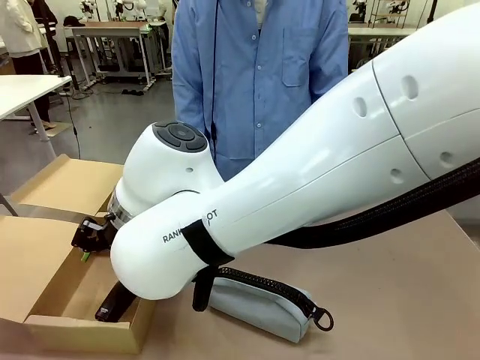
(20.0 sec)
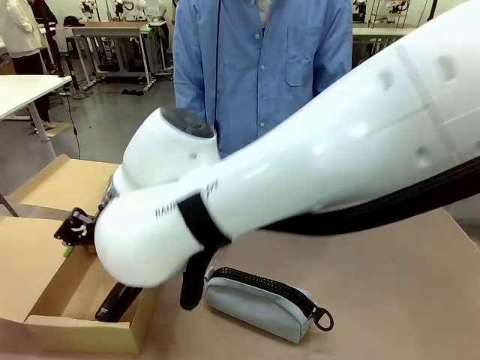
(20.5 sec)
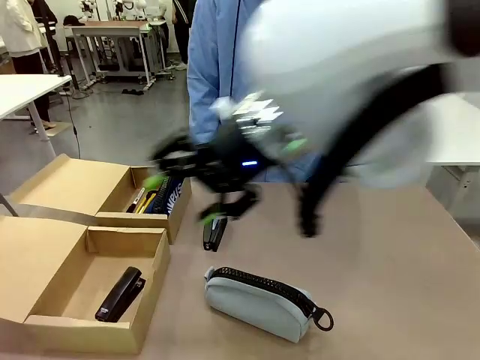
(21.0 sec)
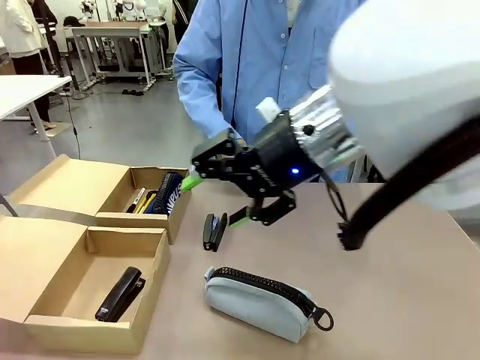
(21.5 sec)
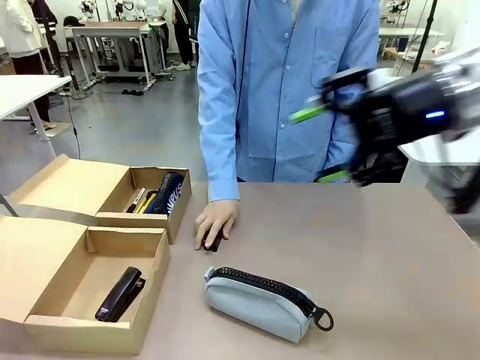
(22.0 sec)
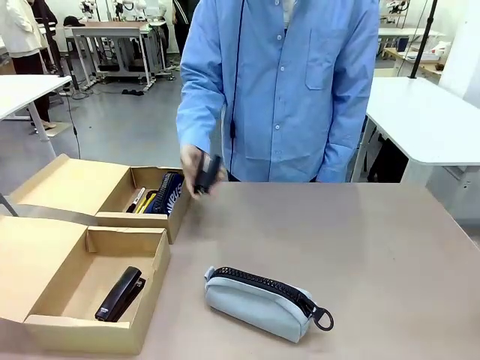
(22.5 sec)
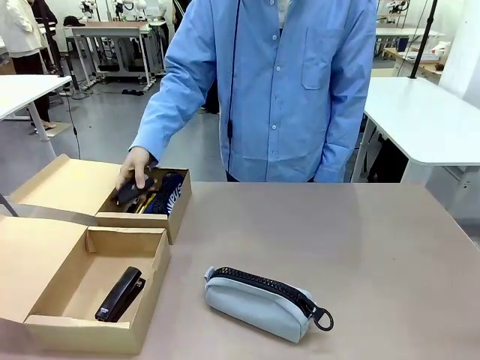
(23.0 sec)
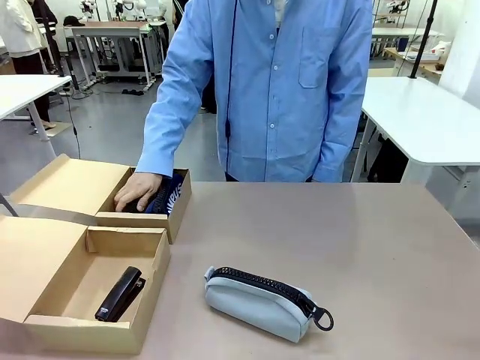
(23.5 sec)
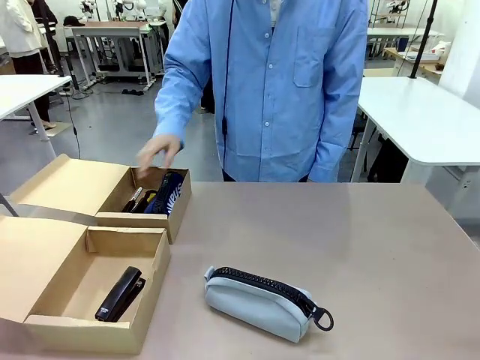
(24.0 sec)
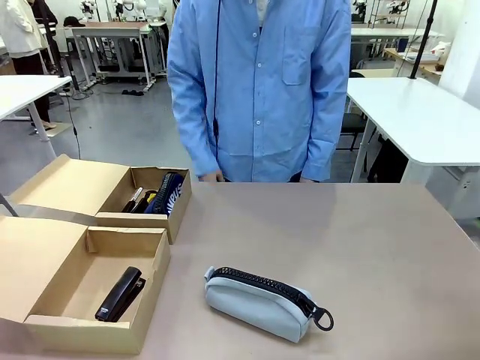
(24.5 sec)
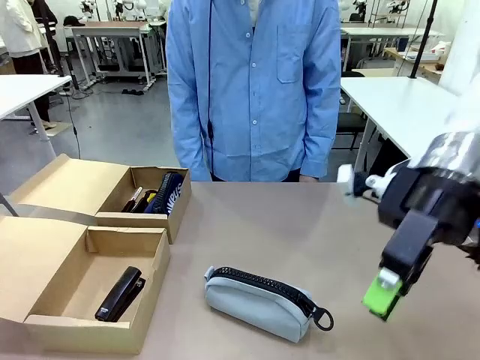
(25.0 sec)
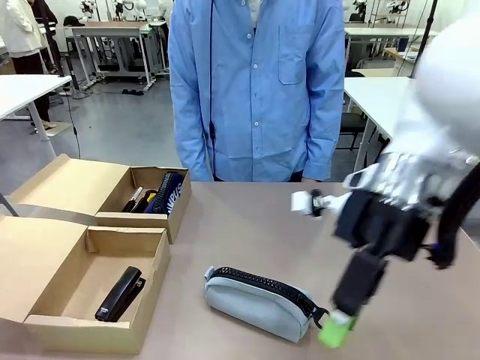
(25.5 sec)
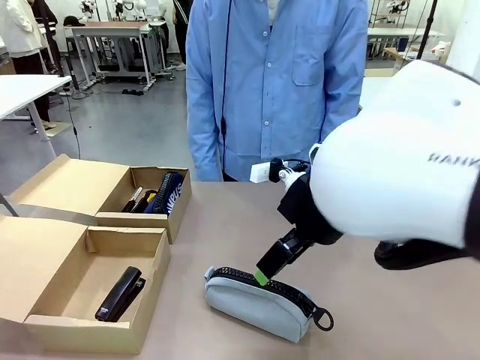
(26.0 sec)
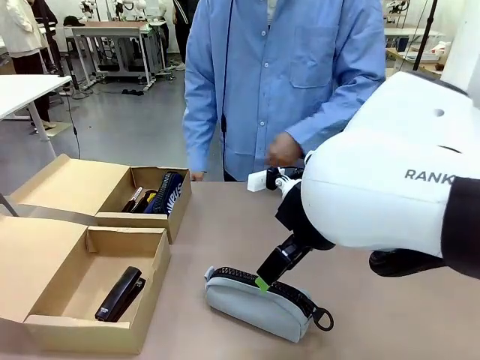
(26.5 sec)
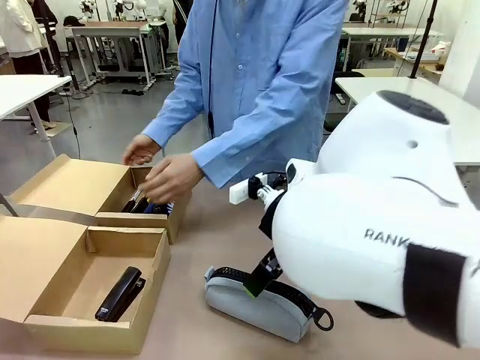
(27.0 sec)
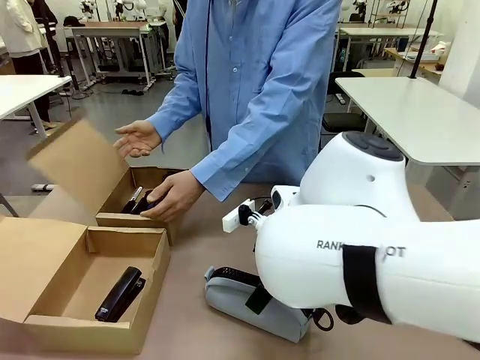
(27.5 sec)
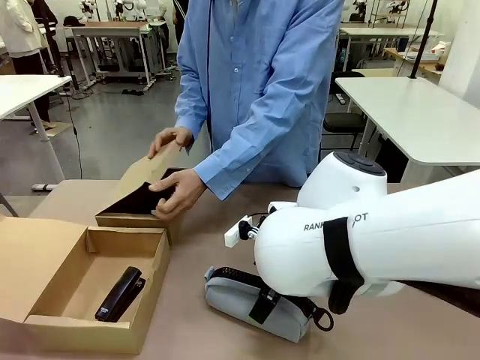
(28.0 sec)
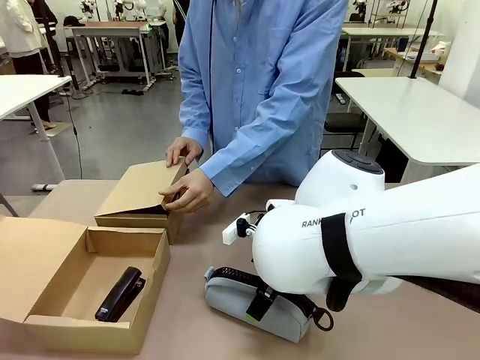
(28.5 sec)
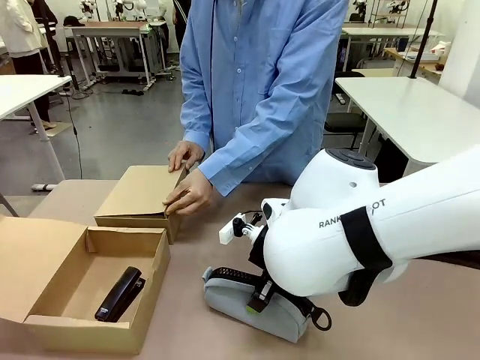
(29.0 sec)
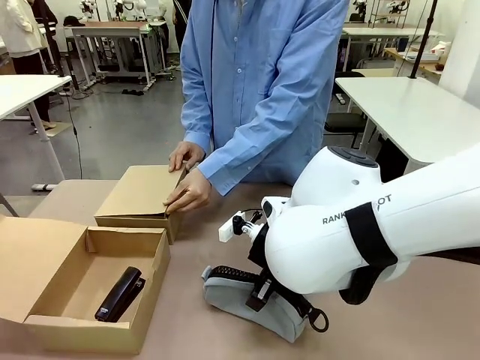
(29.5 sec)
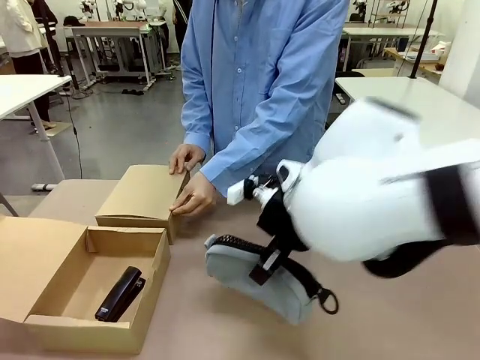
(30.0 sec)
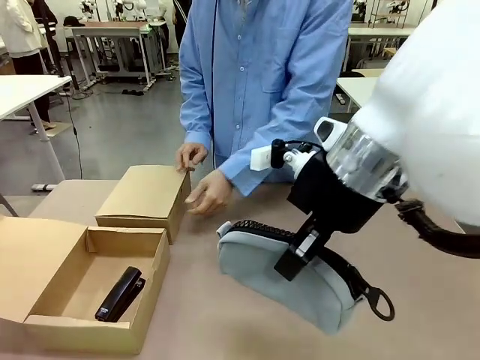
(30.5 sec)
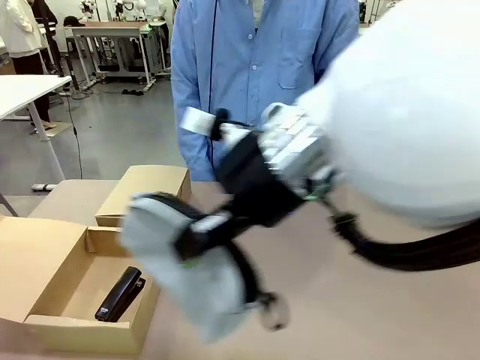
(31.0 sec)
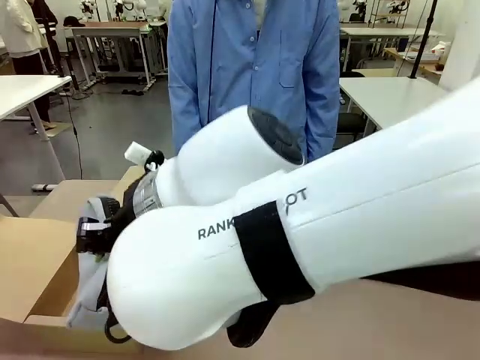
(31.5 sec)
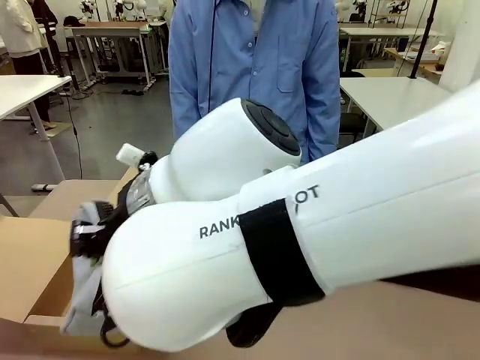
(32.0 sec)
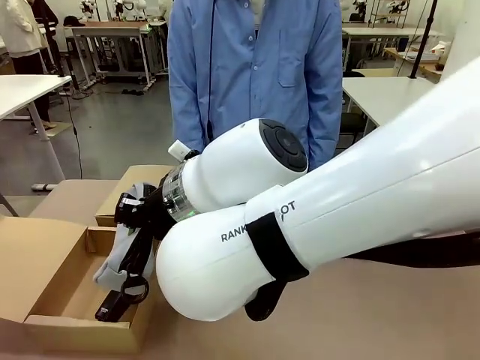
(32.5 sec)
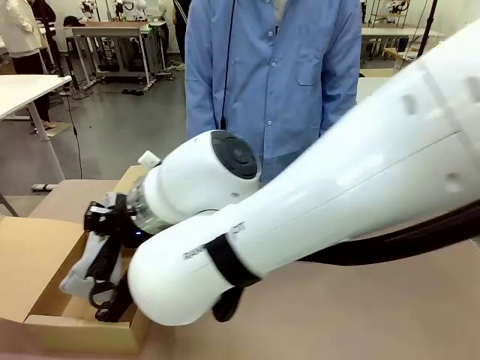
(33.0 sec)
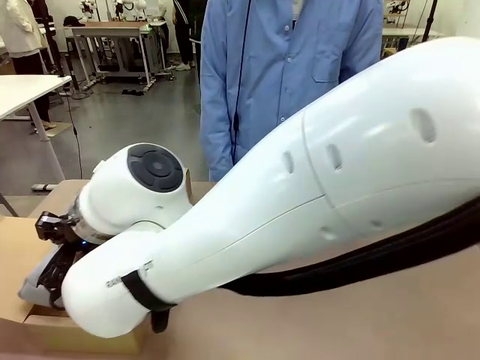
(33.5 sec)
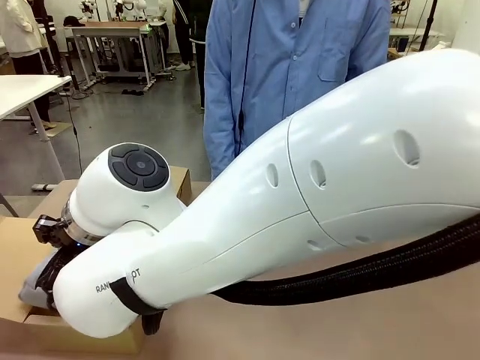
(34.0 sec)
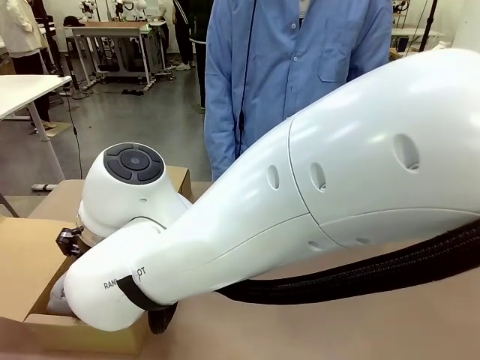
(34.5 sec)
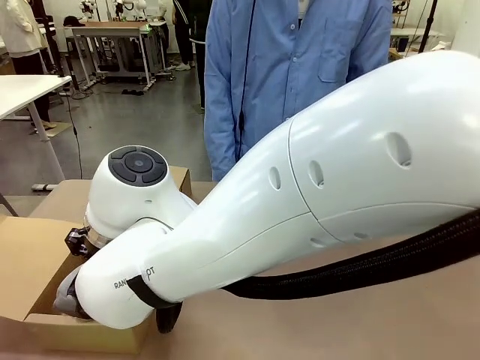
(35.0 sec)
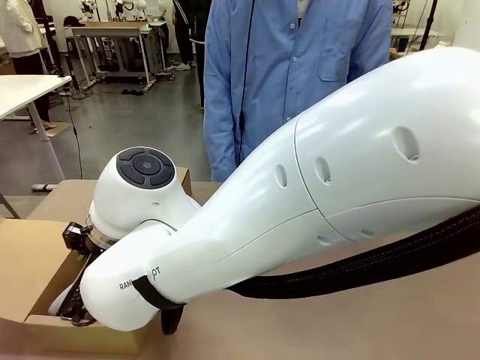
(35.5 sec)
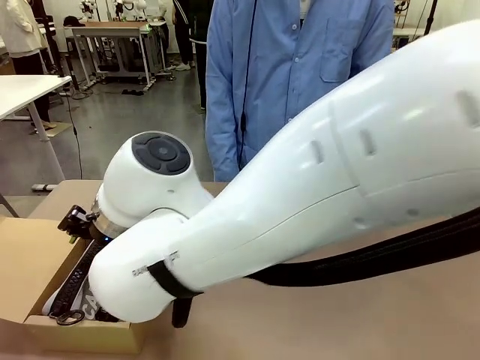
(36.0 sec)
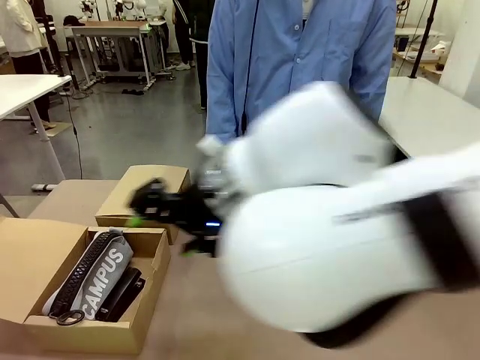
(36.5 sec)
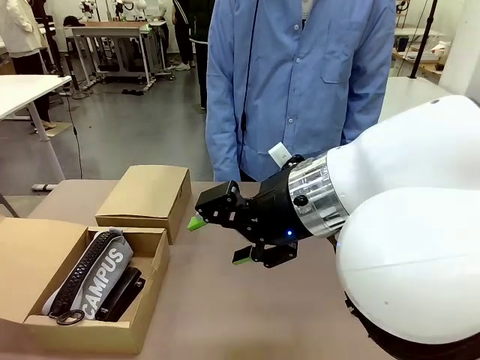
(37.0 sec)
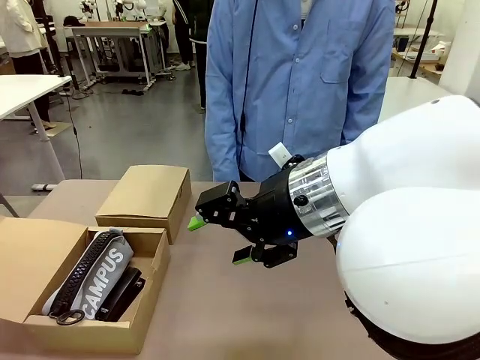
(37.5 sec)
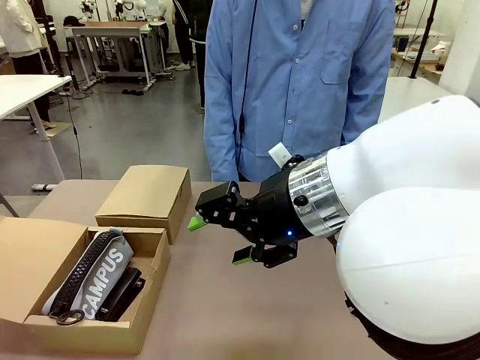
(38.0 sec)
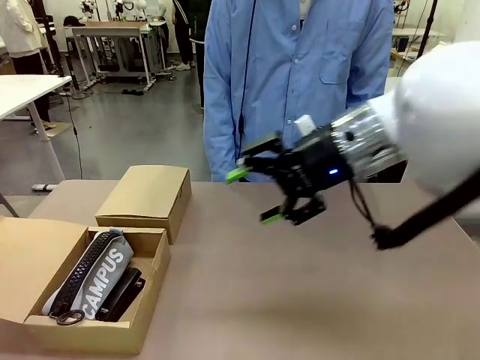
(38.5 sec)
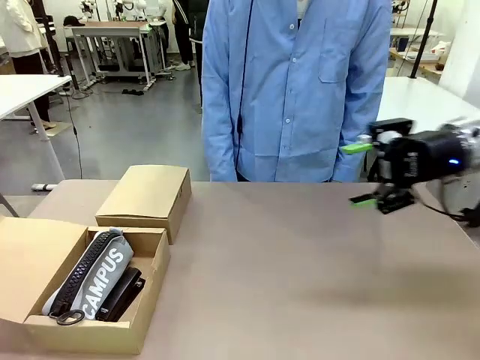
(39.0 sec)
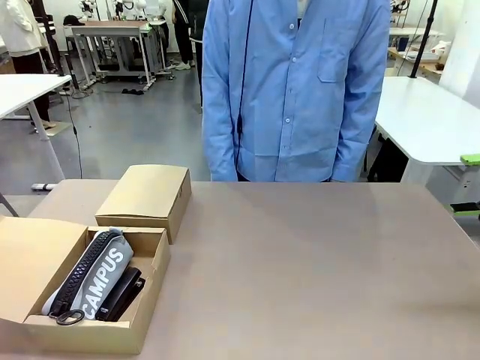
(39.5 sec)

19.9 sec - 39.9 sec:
Task: Place items inside the box.
Robot: Pick up a Pencil pouch or Stapler and place it inside the Mailer Box closest to the robot.
Person: Close the lid of the box facing the person.

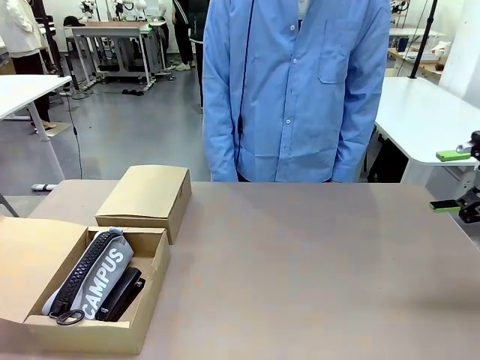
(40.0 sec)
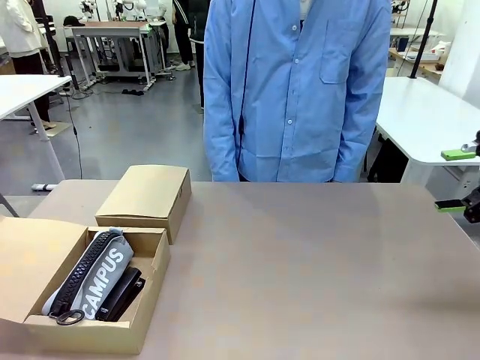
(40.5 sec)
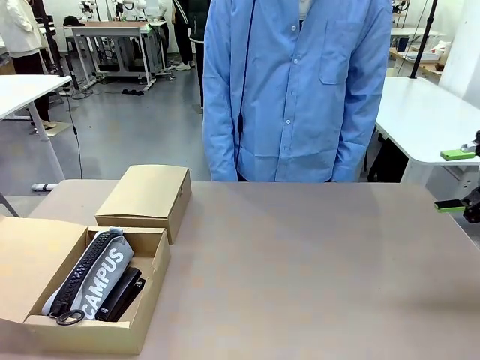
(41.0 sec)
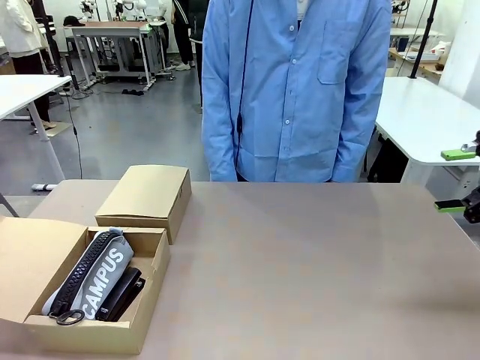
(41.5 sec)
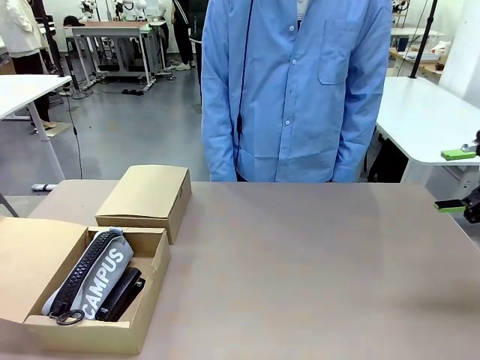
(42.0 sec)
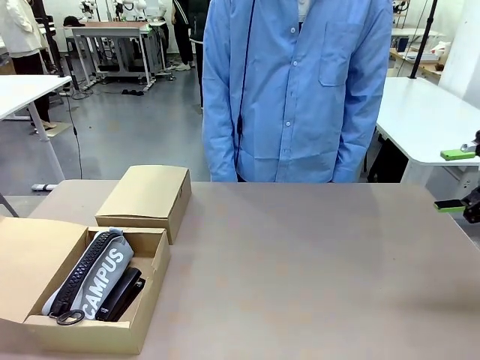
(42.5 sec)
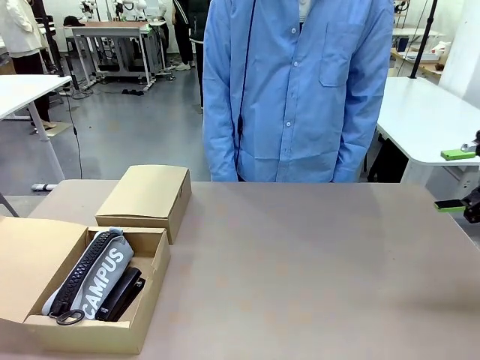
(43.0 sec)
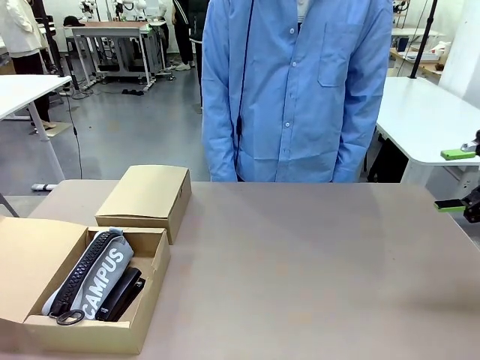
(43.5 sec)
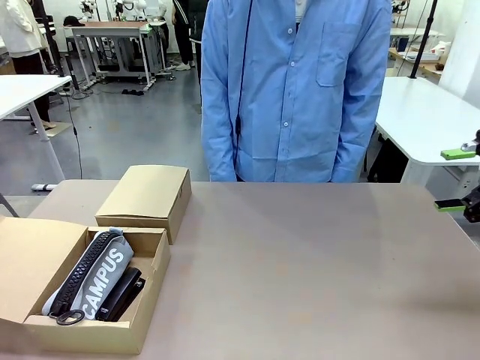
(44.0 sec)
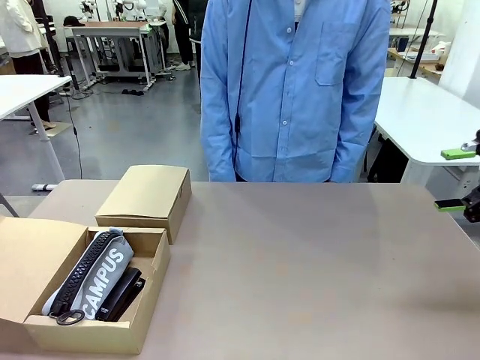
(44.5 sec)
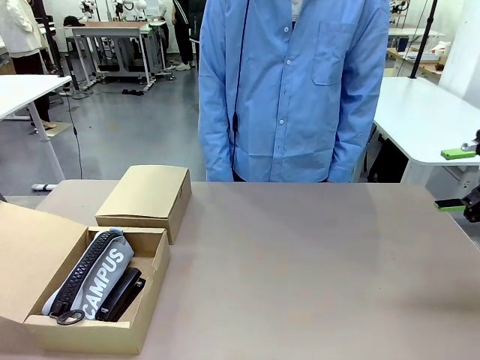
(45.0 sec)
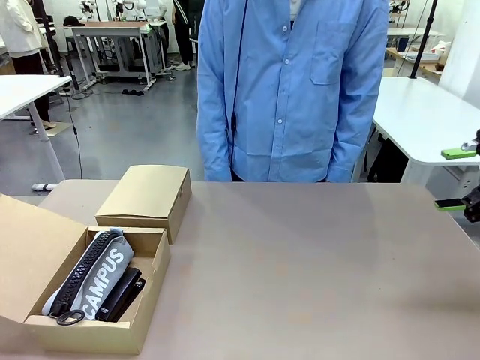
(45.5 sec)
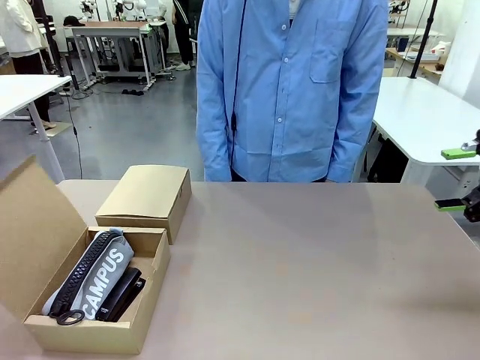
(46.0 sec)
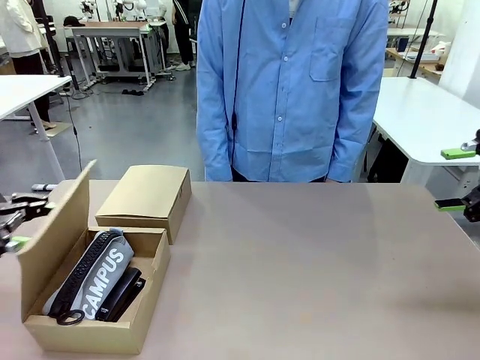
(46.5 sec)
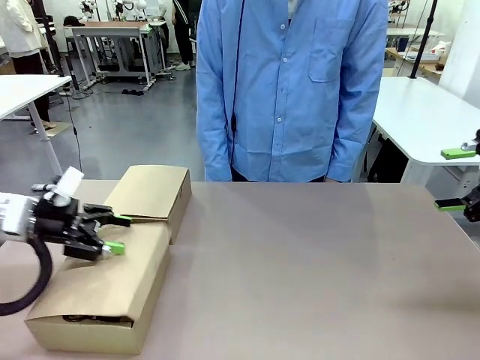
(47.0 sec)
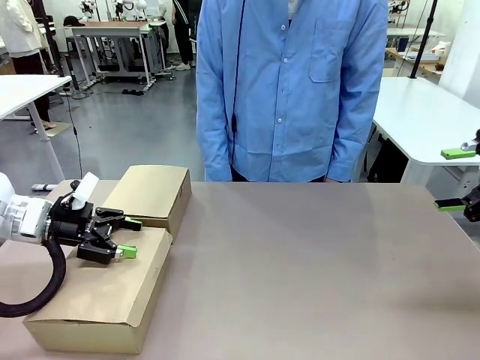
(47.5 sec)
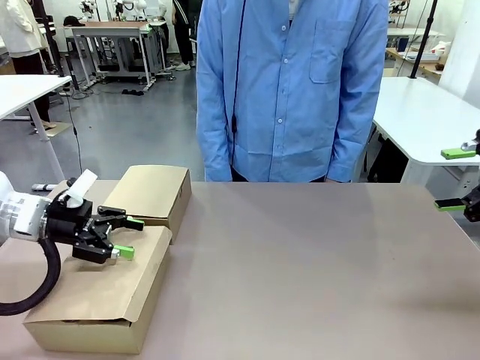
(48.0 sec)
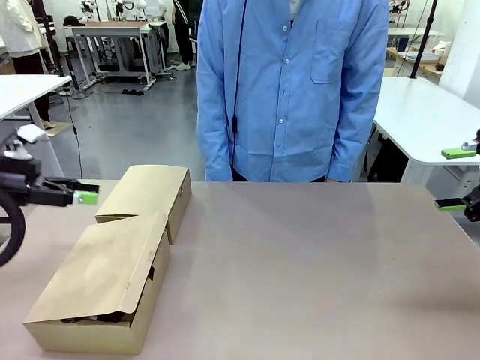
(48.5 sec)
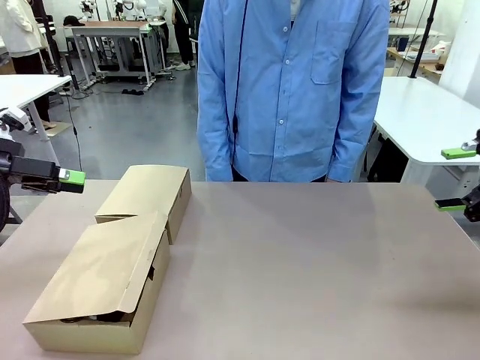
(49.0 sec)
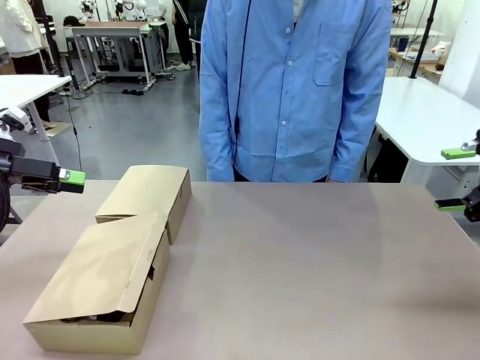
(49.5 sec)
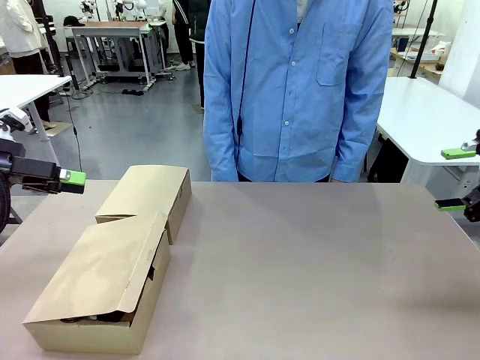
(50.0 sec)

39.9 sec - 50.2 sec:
Robot: Close the lid of the Mailer Box closest to the robot.
